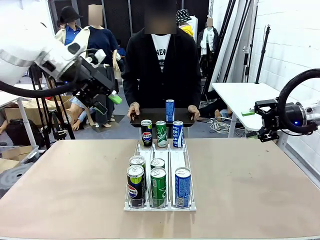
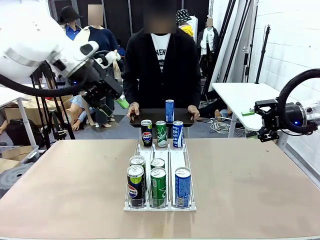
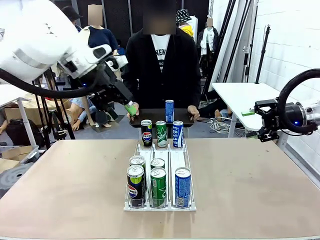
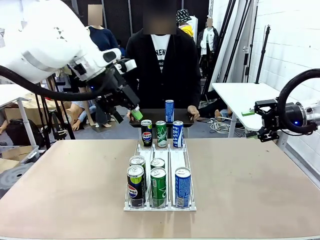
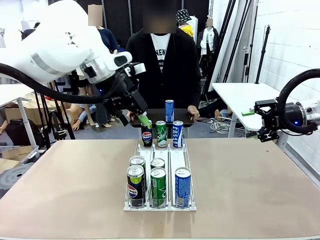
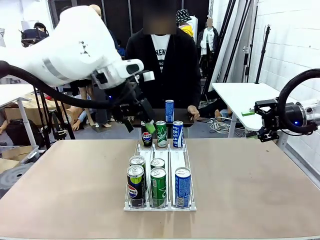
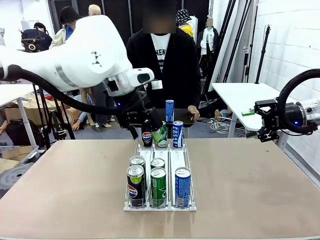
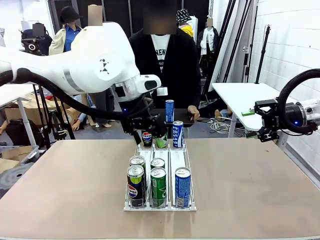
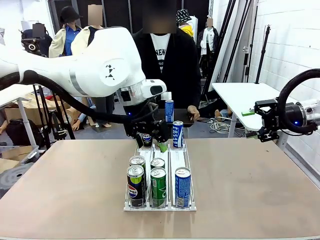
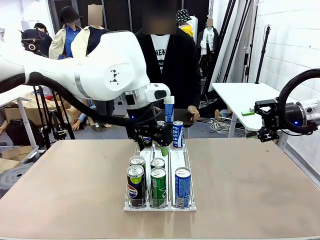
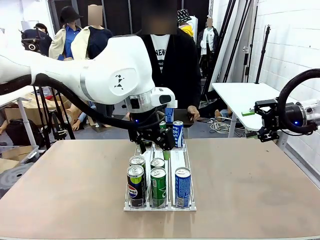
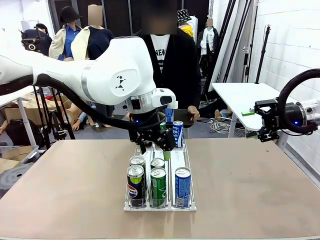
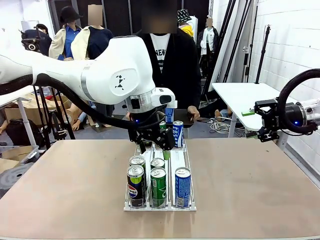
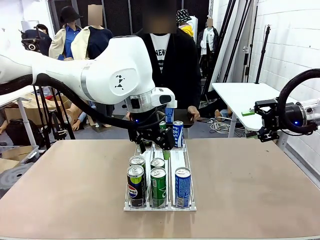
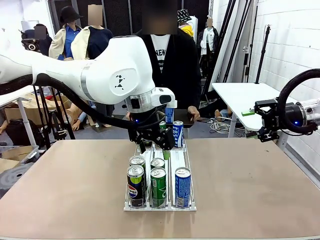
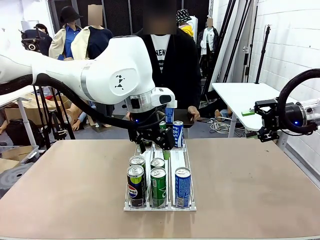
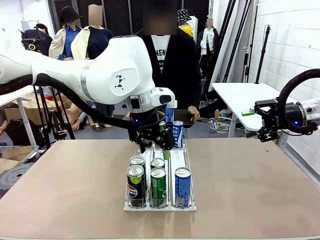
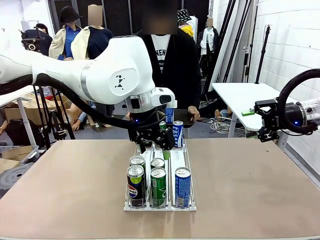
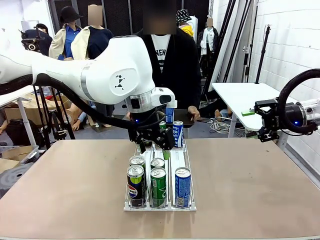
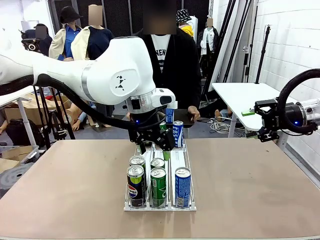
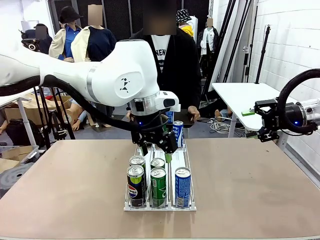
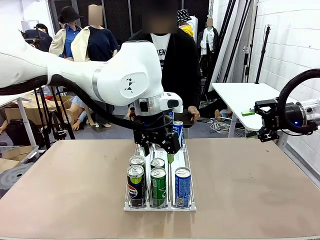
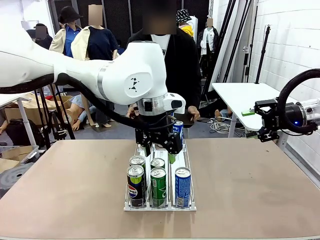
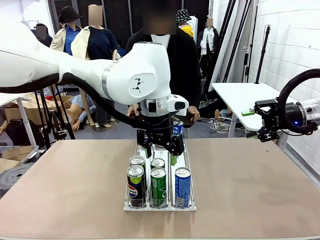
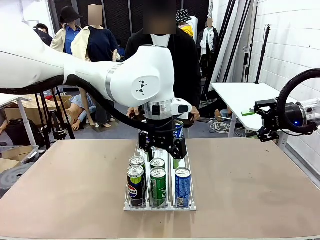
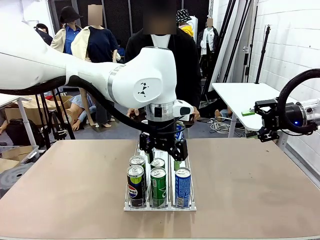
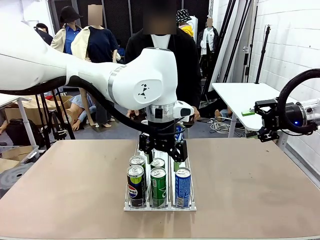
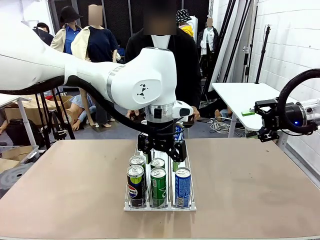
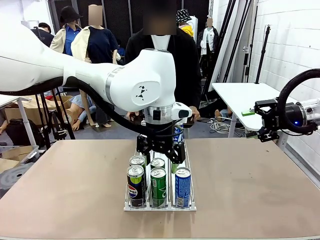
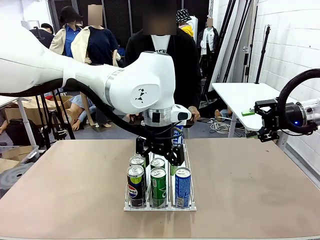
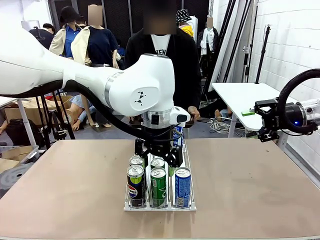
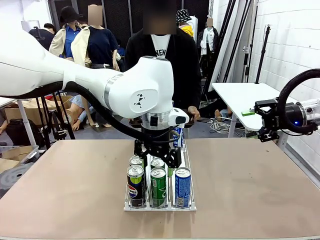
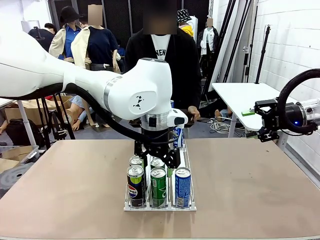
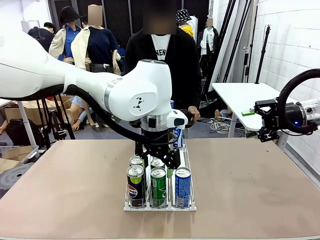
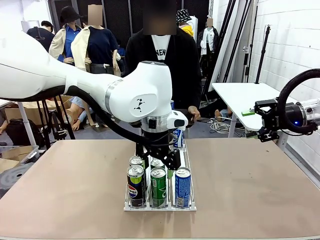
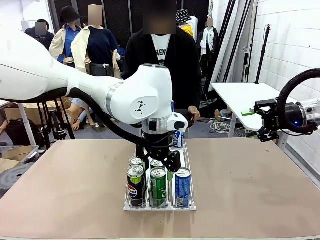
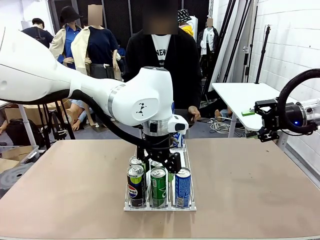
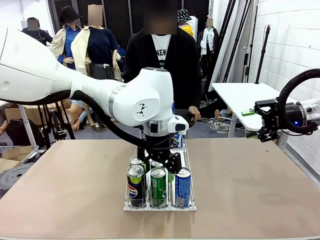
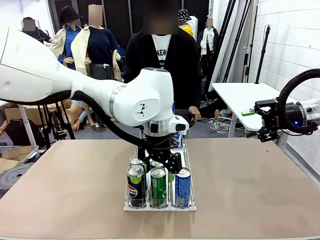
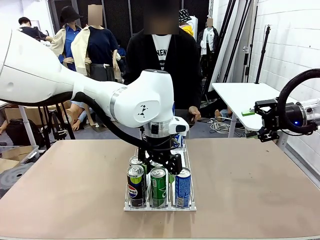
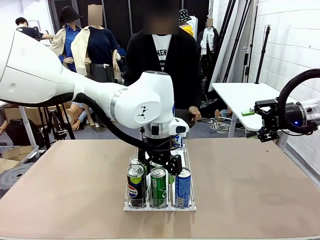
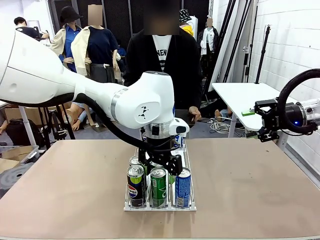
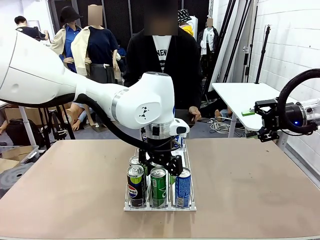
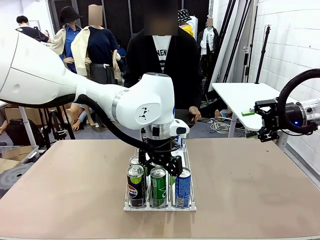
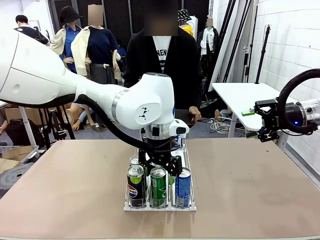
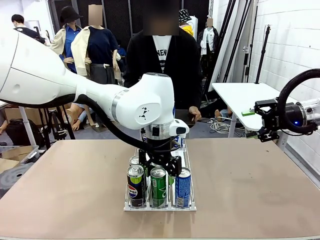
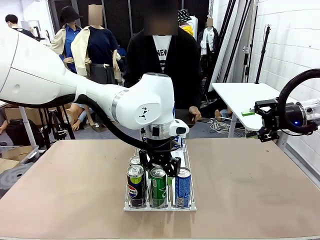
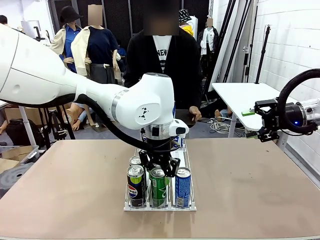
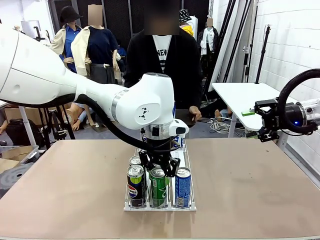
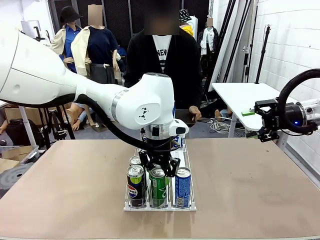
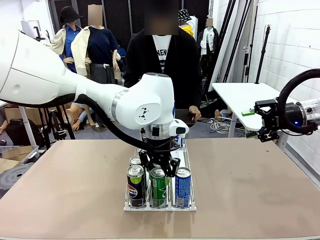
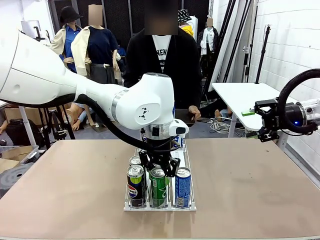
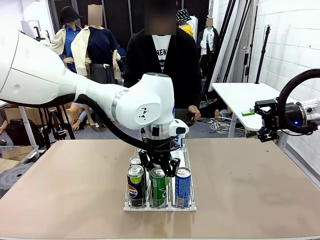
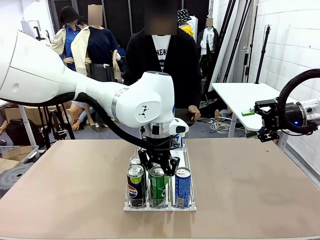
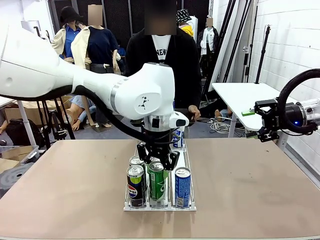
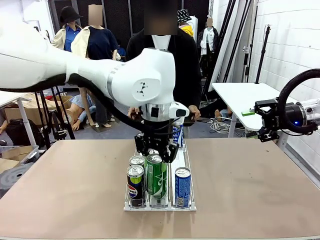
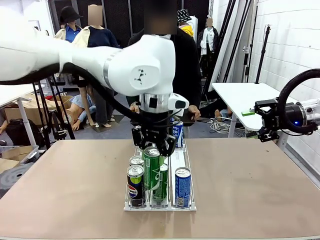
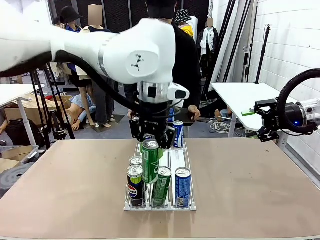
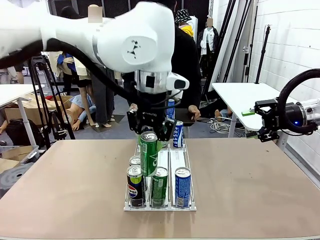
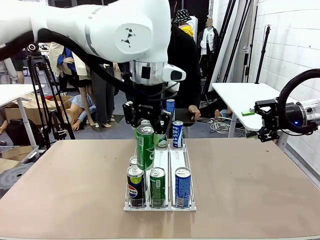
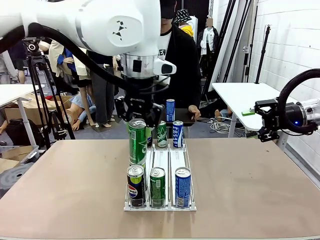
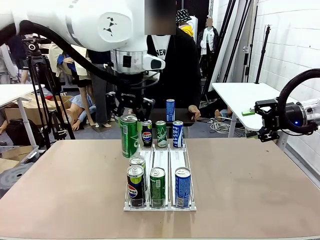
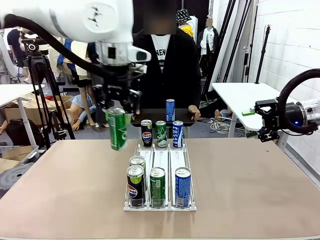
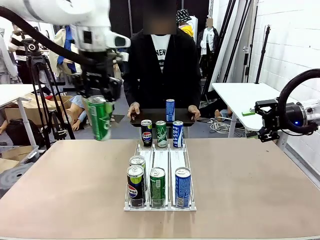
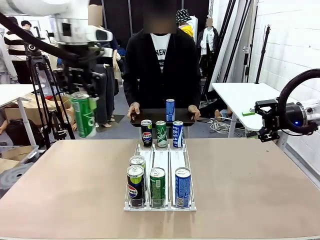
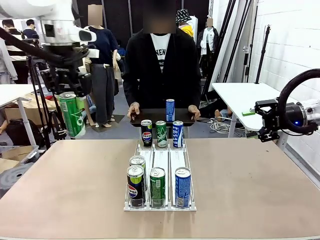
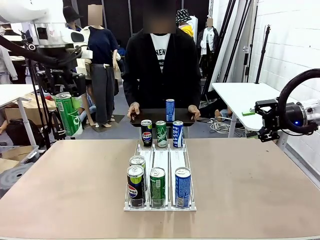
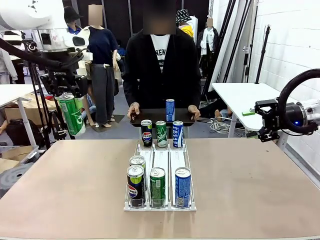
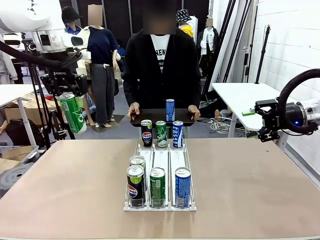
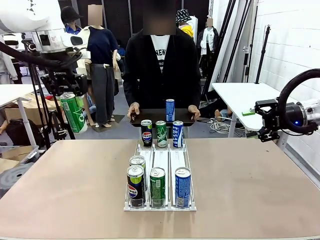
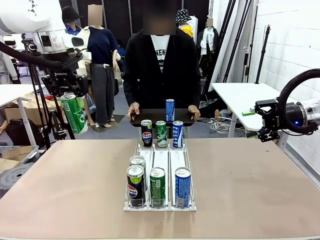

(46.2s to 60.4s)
Task: Retrieve and hand over the desired beverage to the person.
Robot: Pick up another can of the same type that the person held from the Automatic Can Dispenser.
Person: Push the tray toward the robot again.
